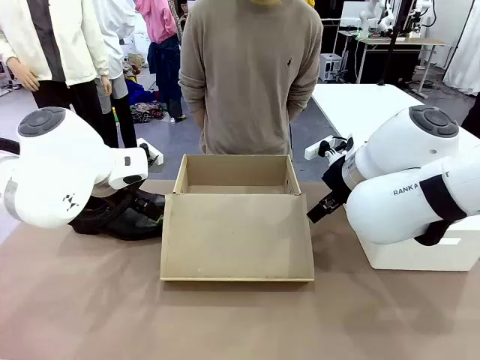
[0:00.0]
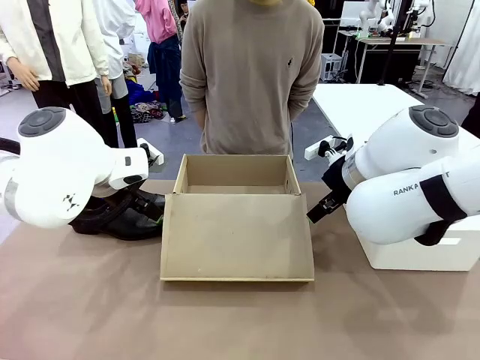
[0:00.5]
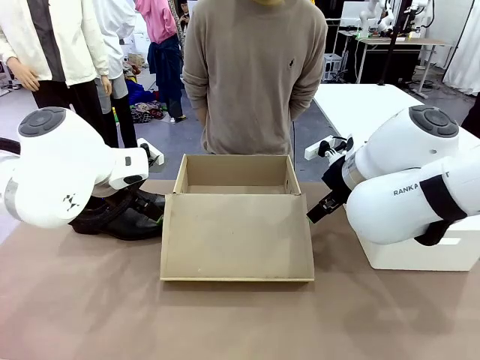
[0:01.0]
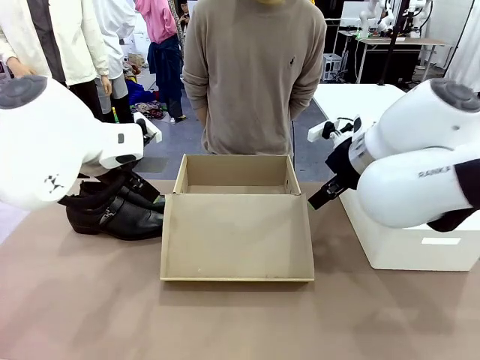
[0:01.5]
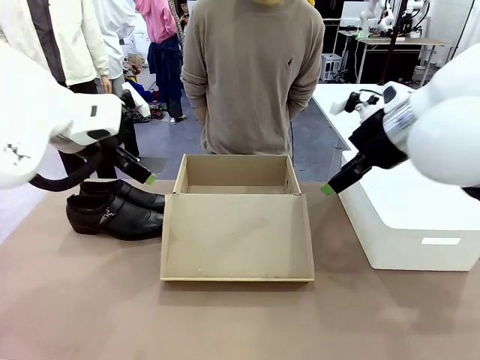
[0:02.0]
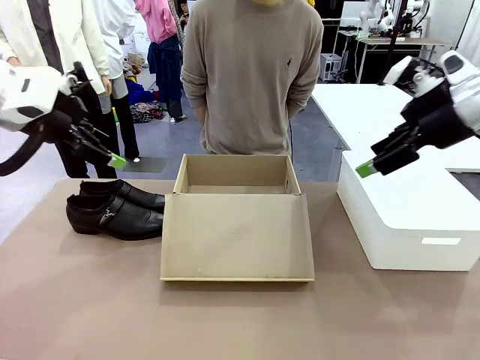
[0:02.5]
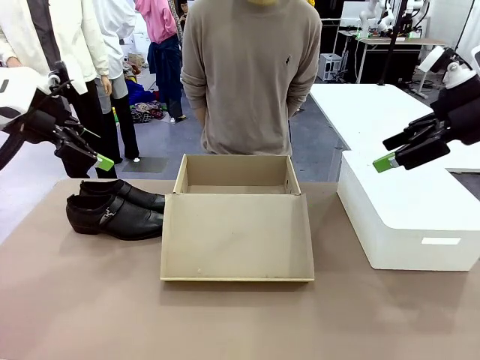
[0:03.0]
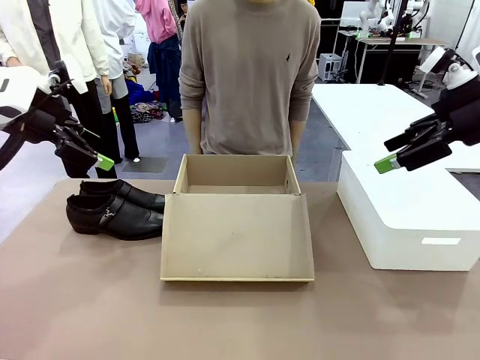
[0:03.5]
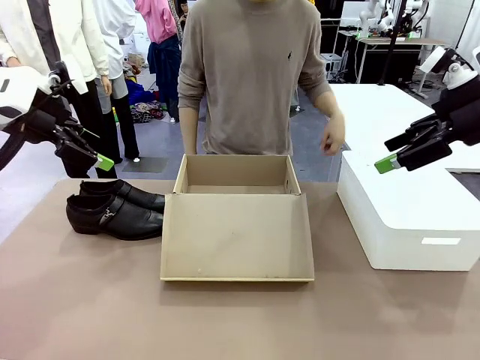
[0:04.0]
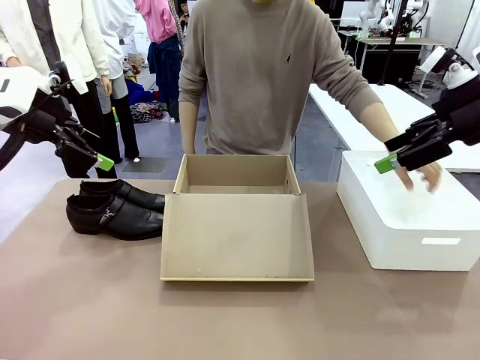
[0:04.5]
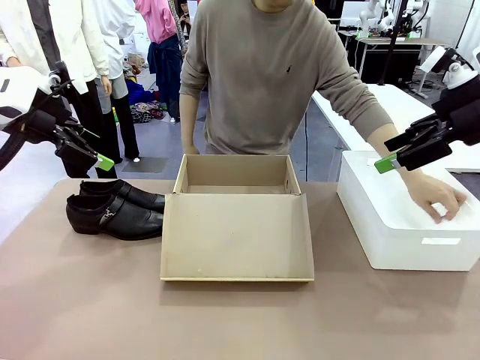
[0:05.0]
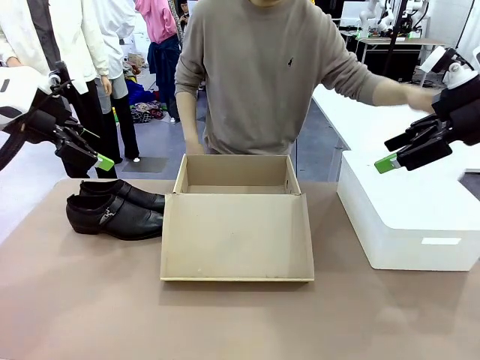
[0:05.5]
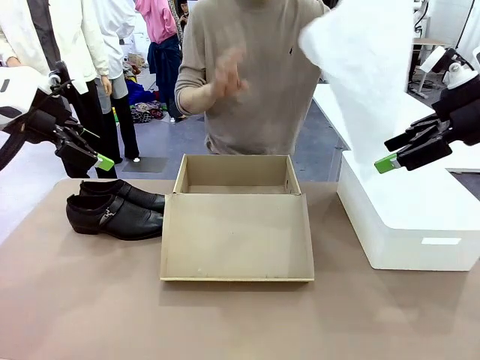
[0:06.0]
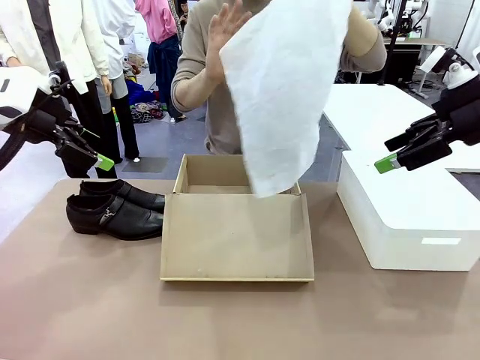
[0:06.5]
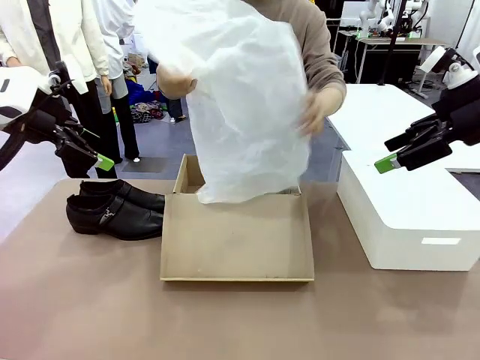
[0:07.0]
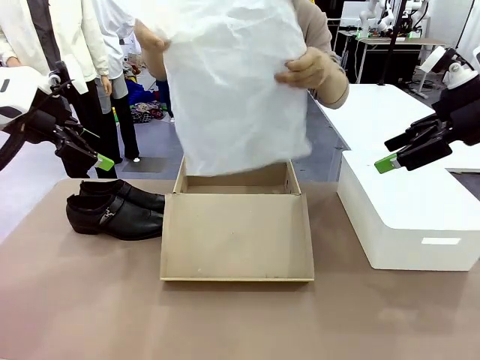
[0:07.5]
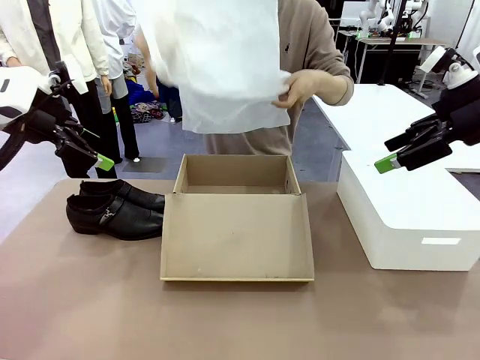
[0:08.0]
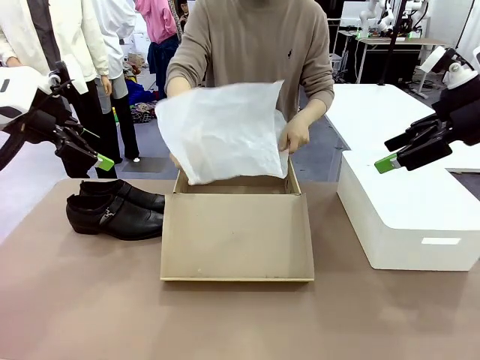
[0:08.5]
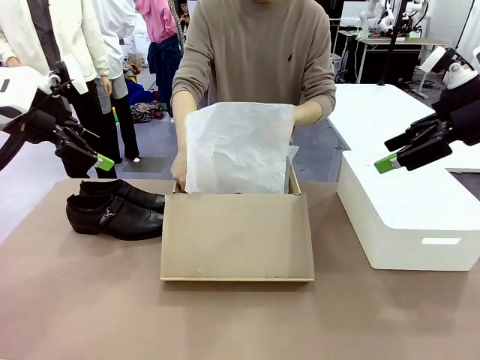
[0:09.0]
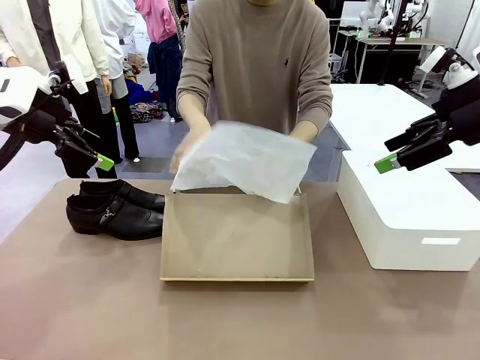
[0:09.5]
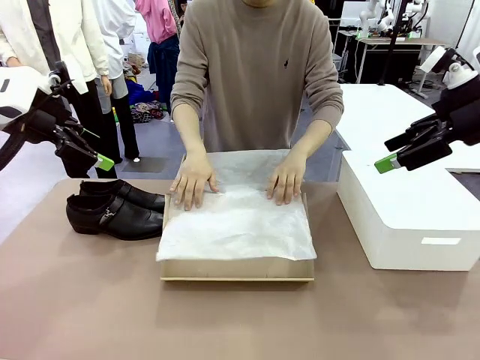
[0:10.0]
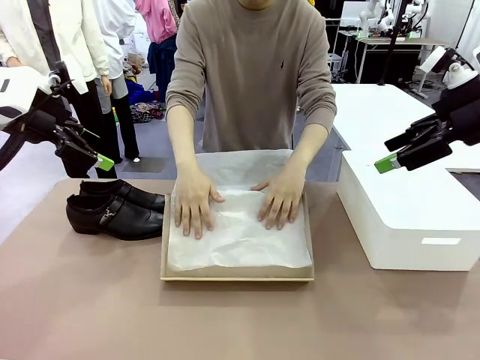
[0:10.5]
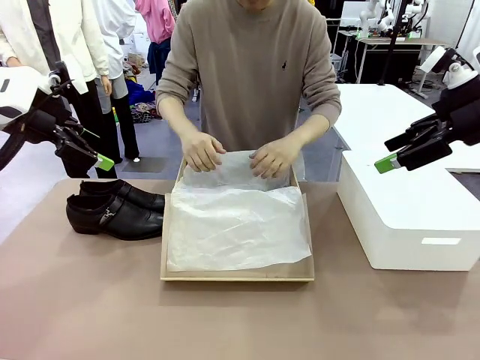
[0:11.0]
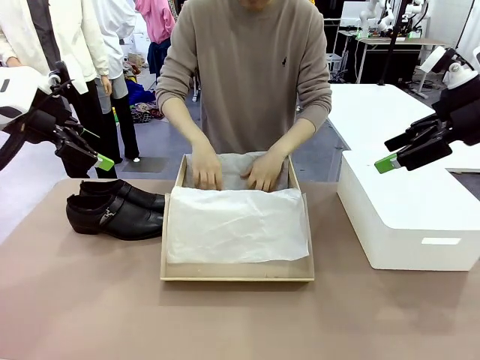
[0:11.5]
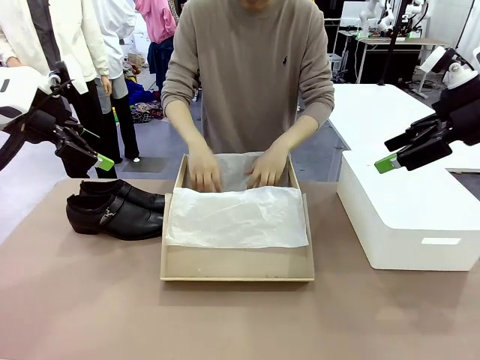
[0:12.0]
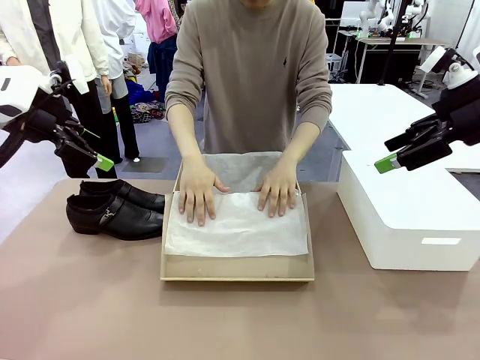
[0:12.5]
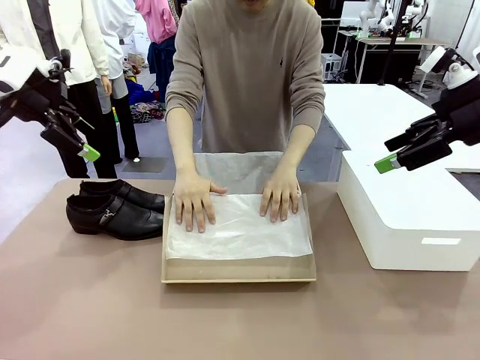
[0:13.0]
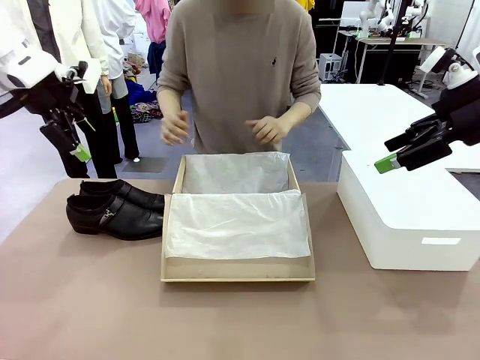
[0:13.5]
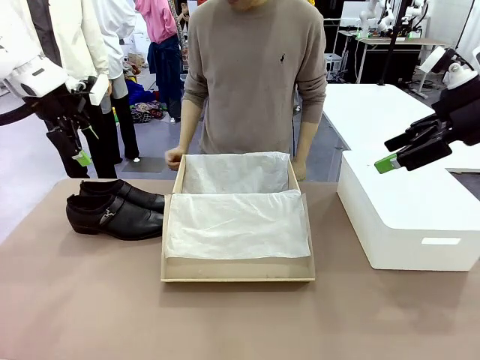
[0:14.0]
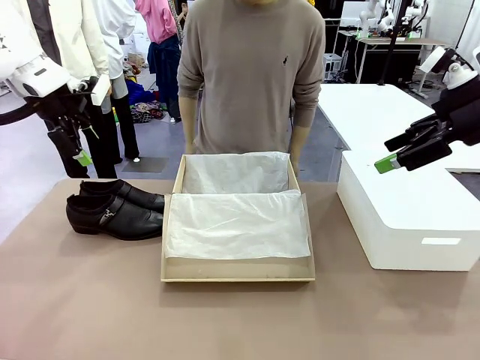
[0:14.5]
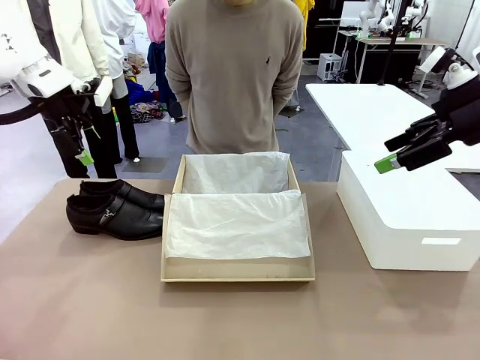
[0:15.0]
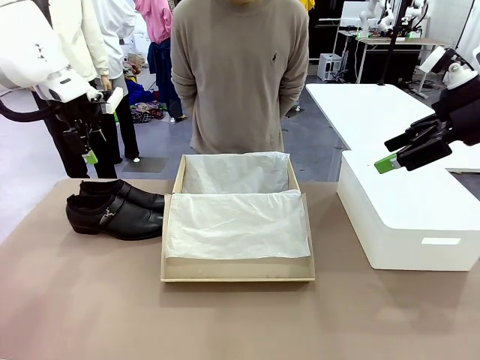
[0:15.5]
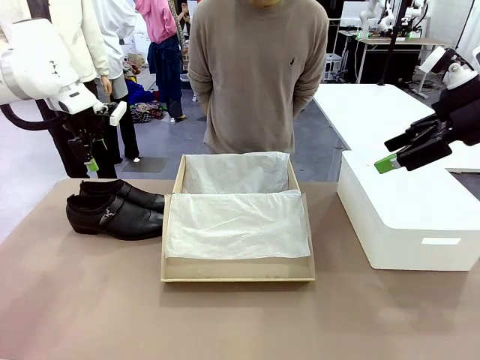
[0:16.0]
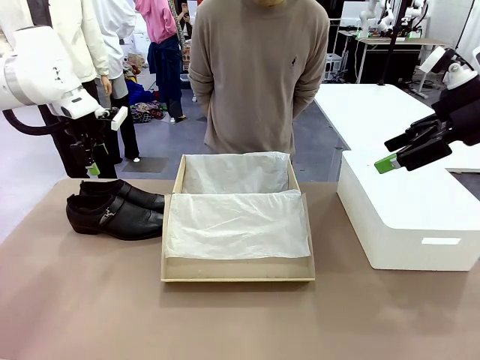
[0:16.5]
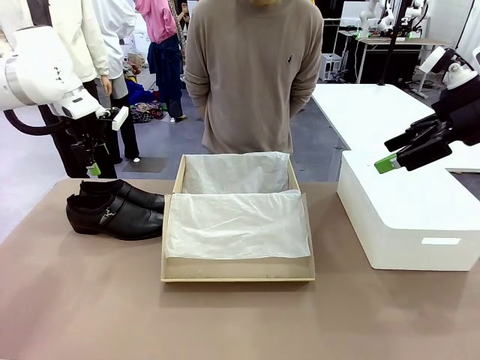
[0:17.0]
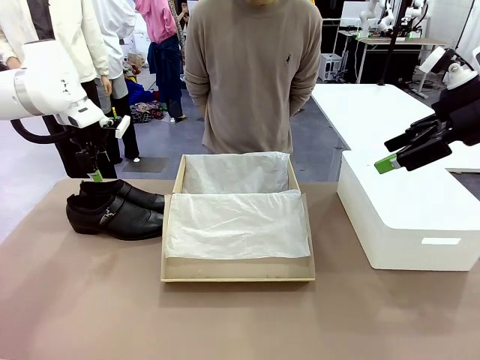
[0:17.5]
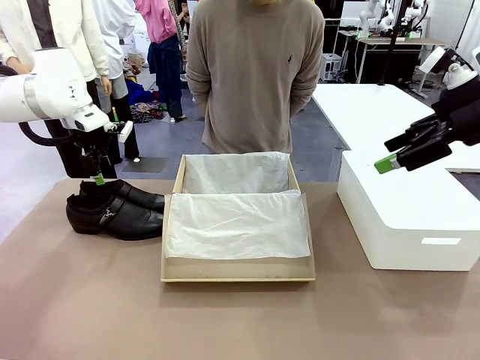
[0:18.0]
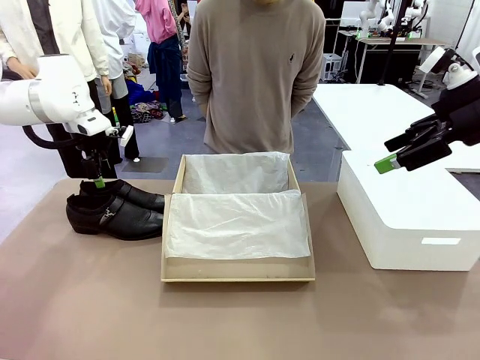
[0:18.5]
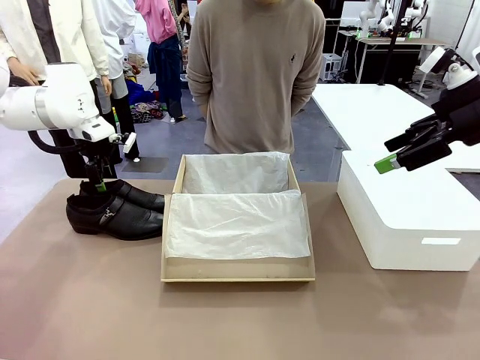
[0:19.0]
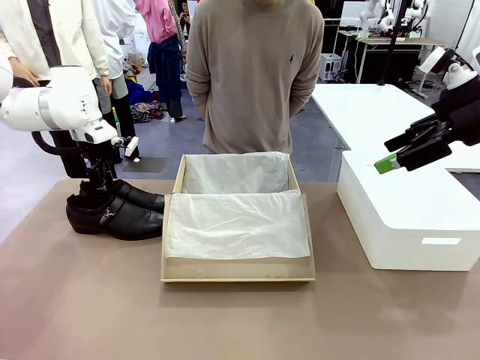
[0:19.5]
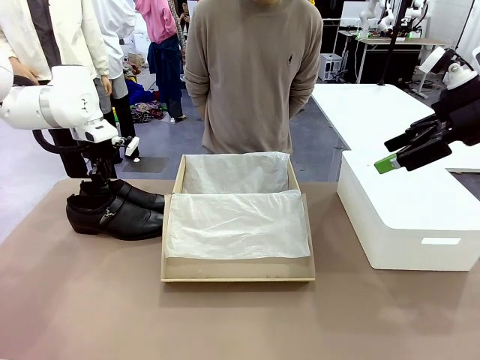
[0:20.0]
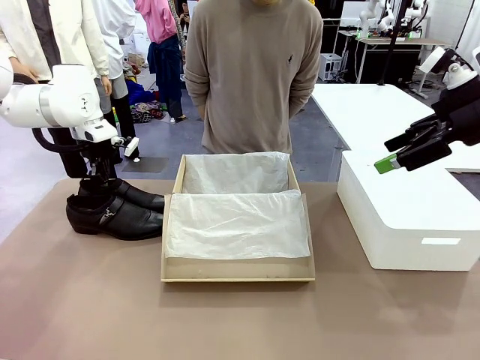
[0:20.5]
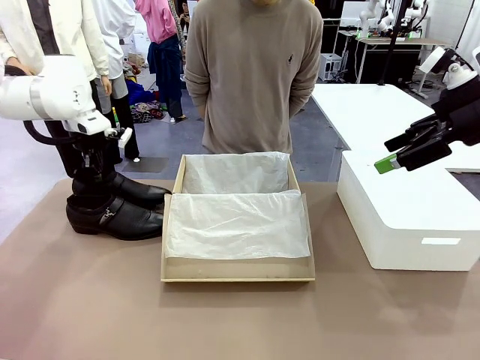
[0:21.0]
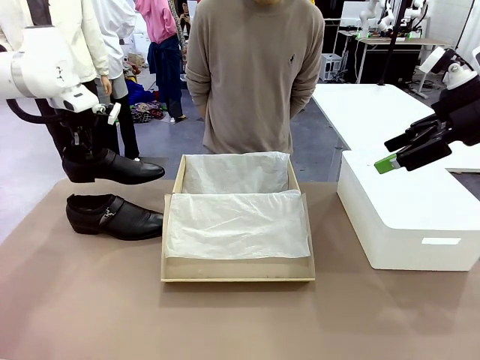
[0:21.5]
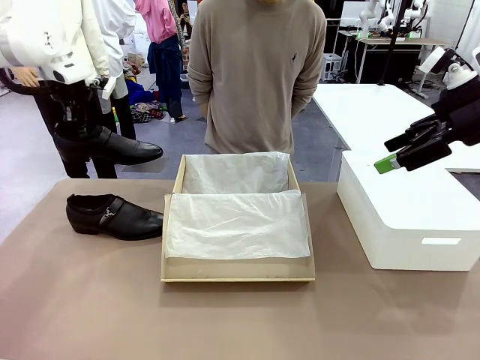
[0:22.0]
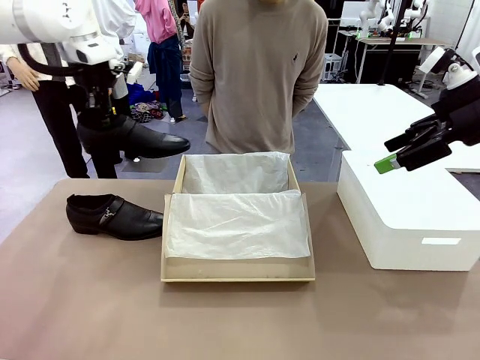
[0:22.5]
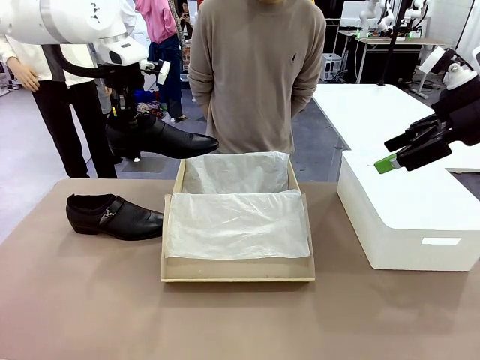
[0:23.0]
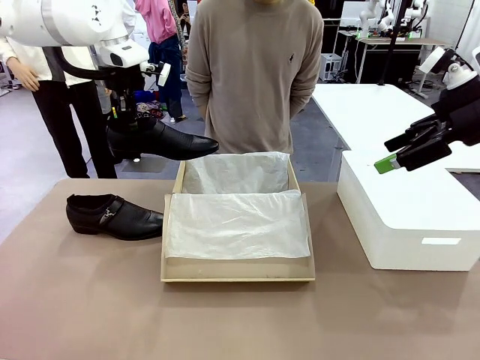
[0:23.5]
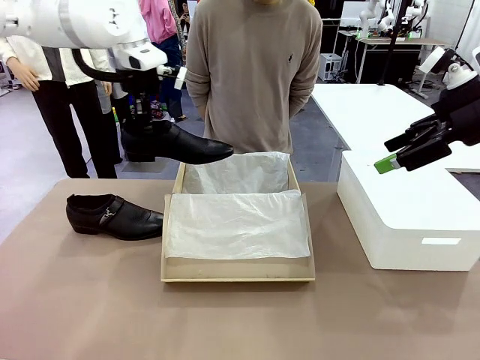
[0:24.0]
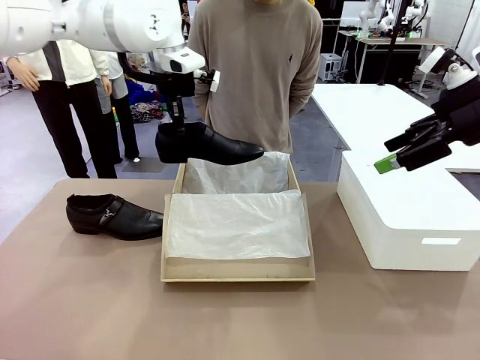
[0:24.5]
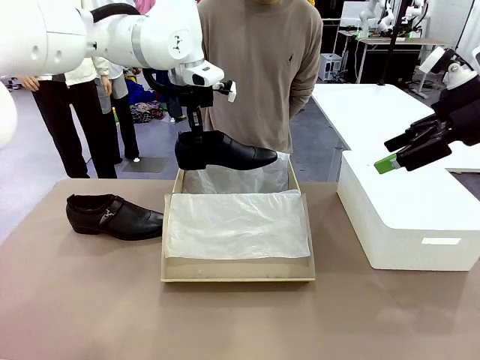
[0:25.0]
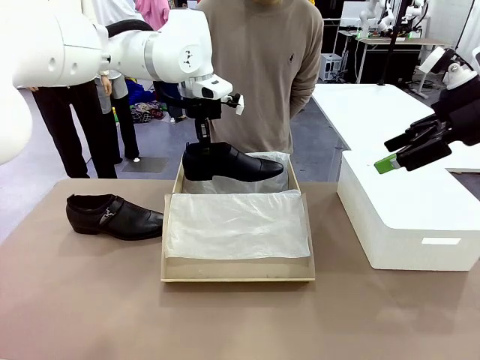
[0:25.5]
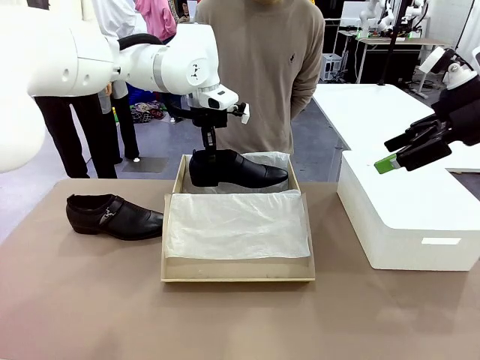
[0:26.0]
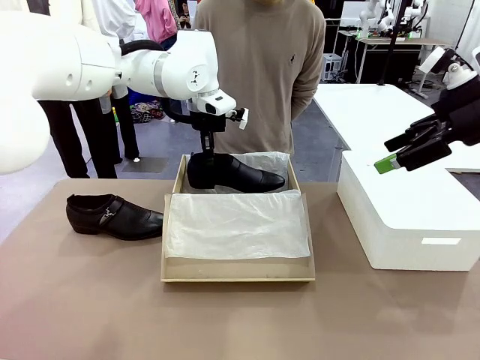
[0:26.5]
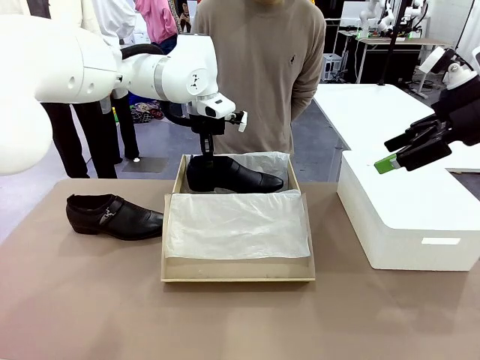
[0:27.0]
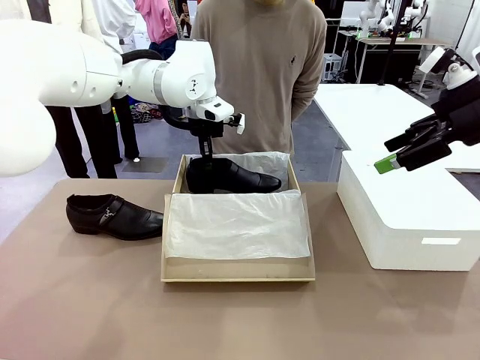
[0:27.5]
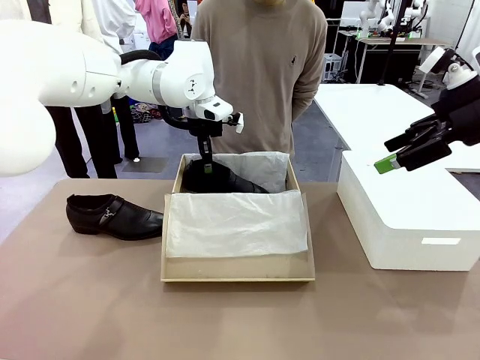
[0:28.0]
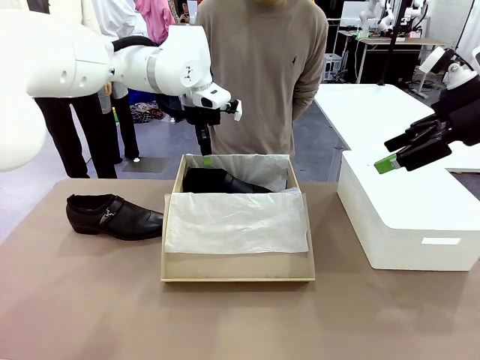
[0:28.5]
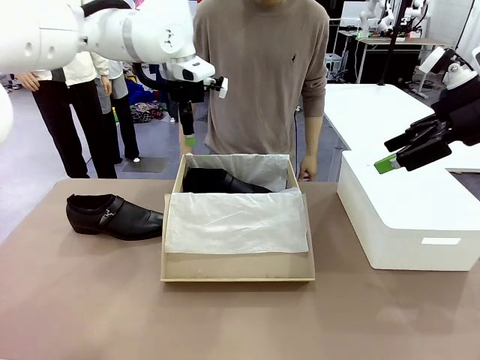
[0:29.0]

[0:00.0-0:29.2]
Task: Pack the shoes into the box.
Robot: Place one shoe of the Shoes into the Shoes Box.
Person: Spread Shoes Wrapping Paper and place inside the Shoes Box.
